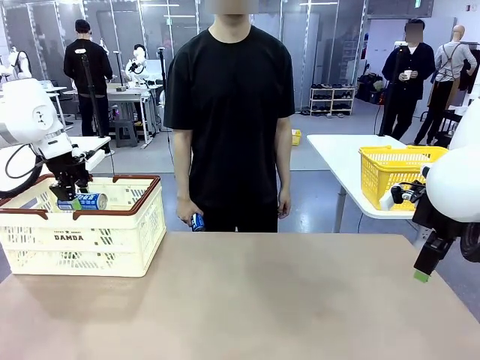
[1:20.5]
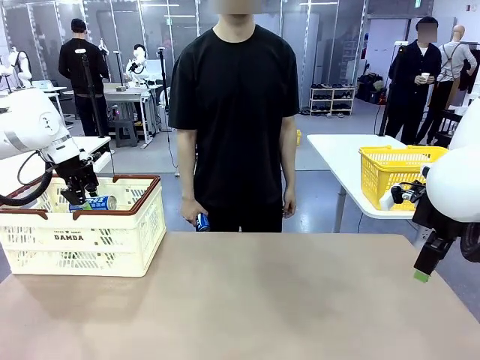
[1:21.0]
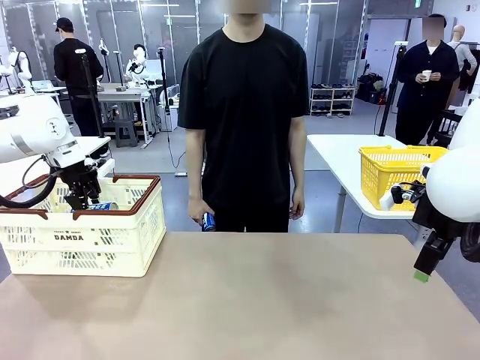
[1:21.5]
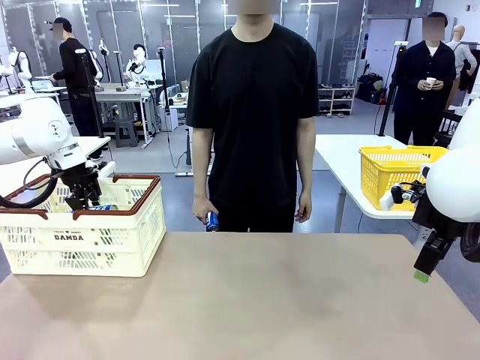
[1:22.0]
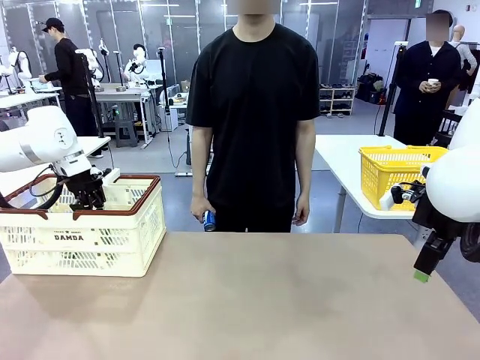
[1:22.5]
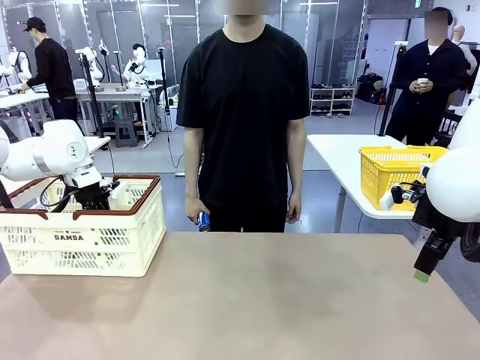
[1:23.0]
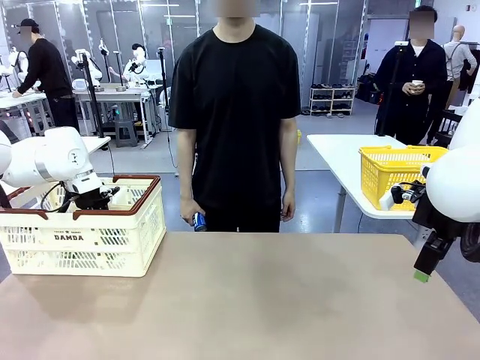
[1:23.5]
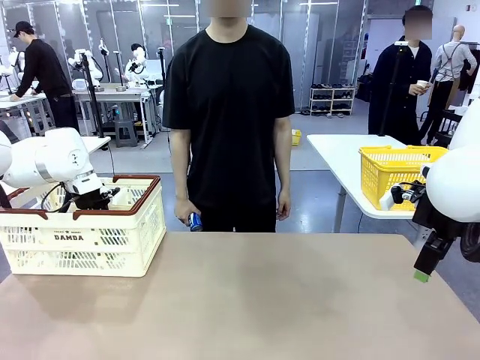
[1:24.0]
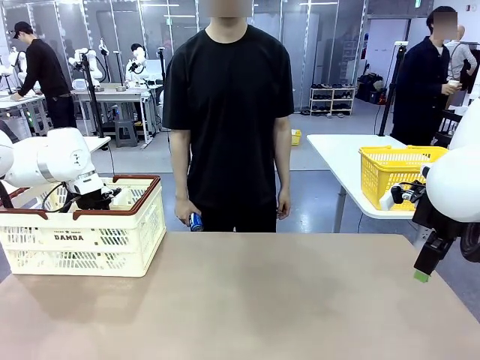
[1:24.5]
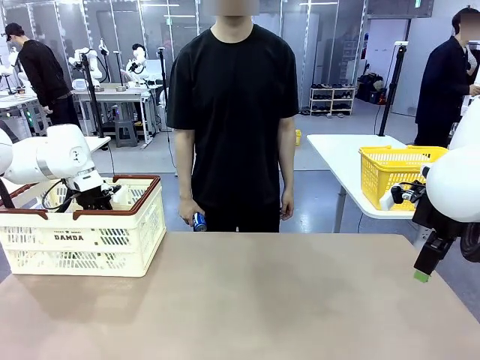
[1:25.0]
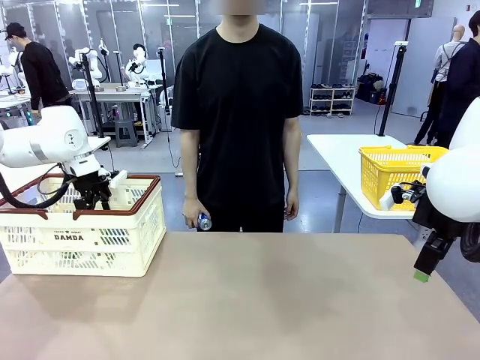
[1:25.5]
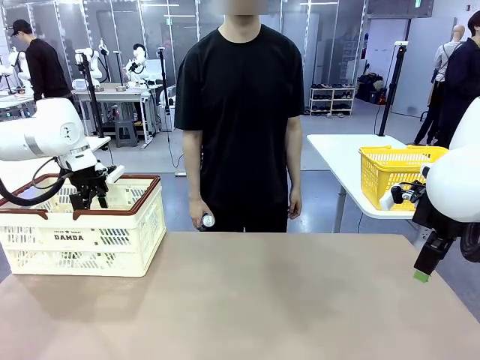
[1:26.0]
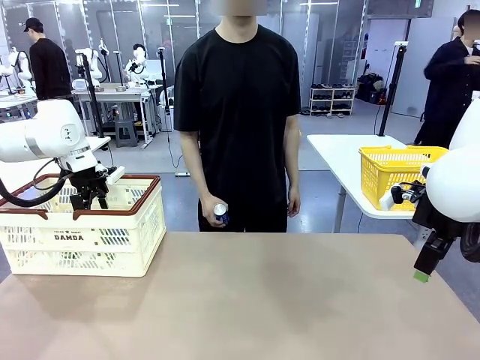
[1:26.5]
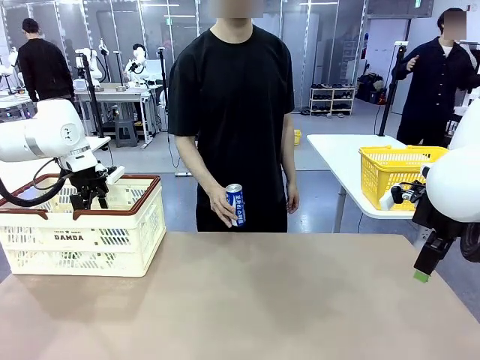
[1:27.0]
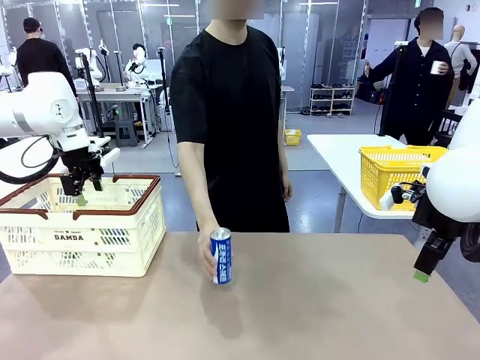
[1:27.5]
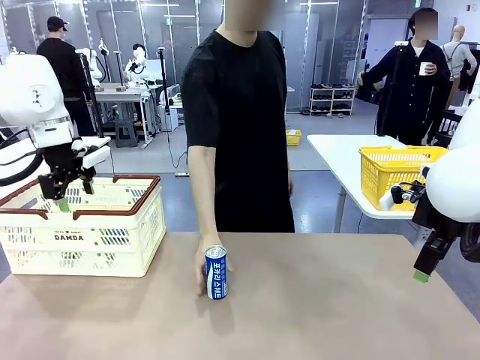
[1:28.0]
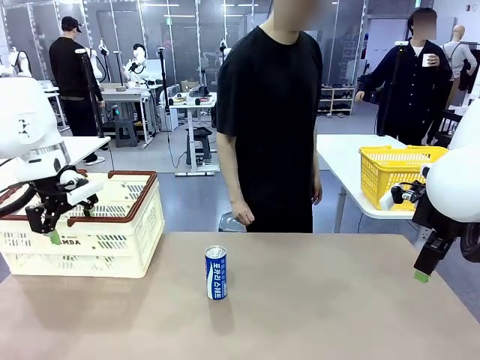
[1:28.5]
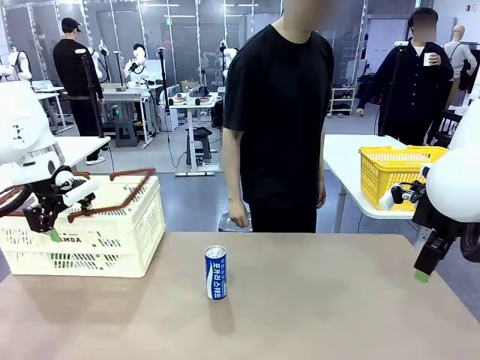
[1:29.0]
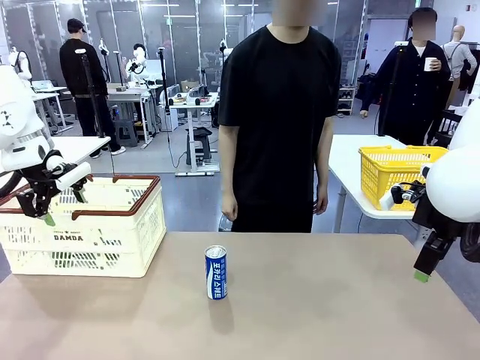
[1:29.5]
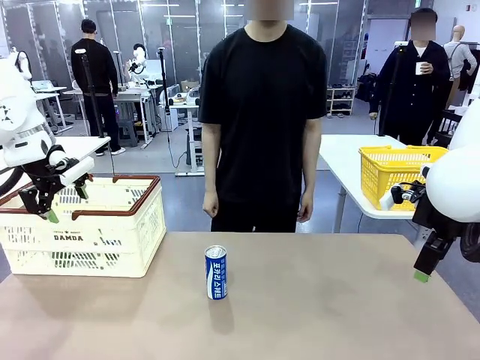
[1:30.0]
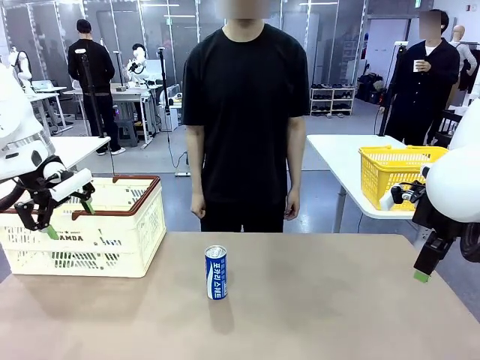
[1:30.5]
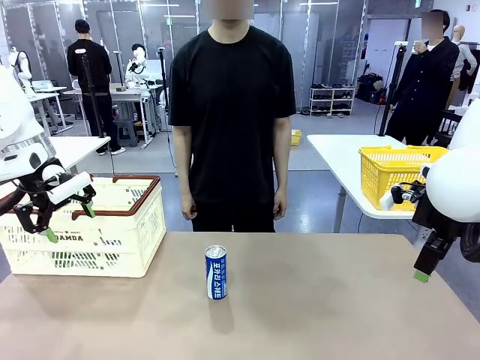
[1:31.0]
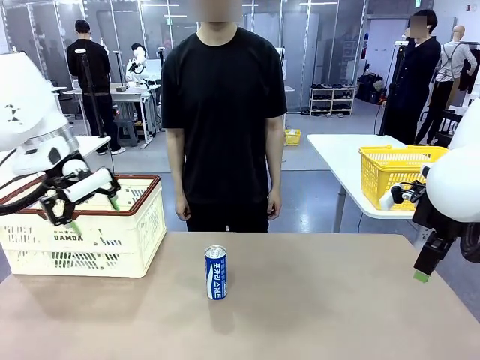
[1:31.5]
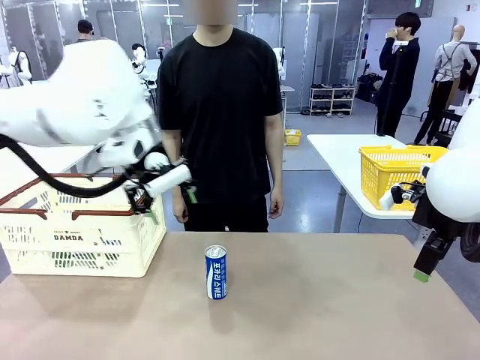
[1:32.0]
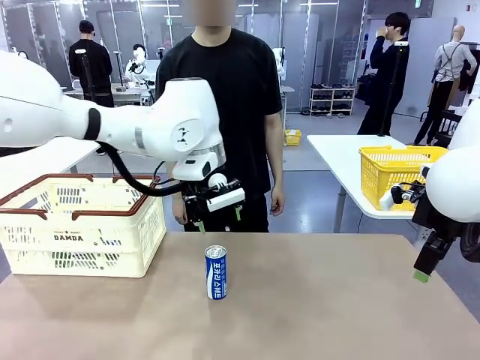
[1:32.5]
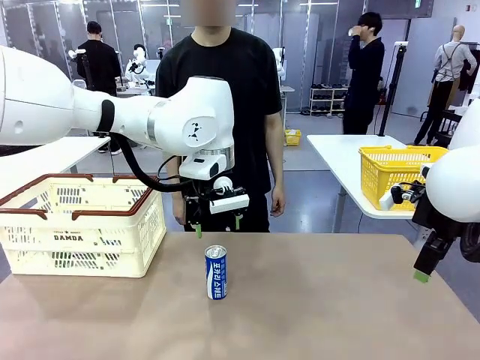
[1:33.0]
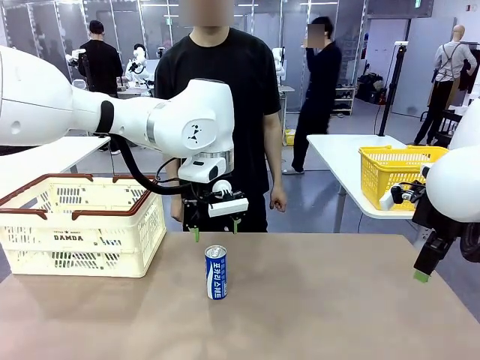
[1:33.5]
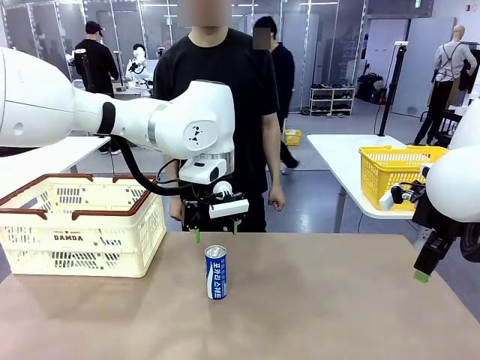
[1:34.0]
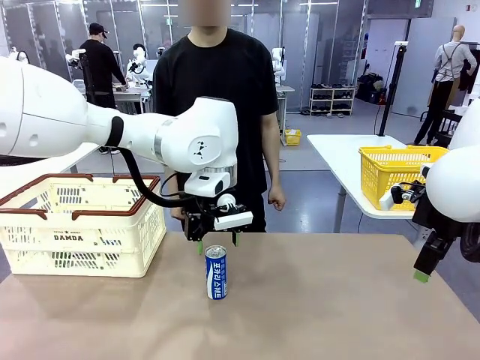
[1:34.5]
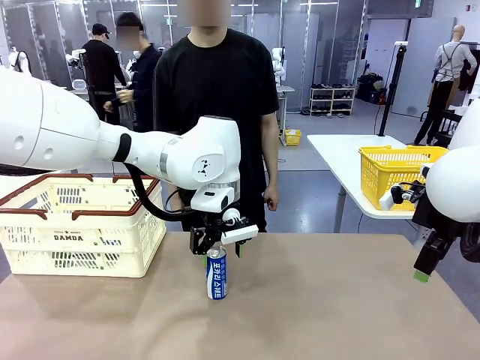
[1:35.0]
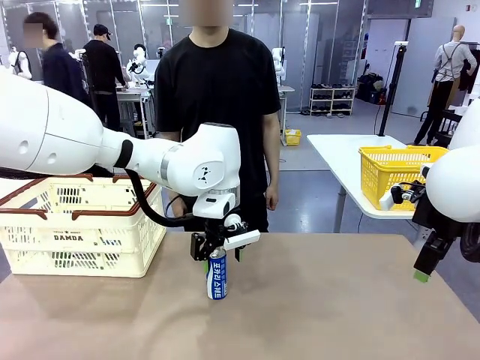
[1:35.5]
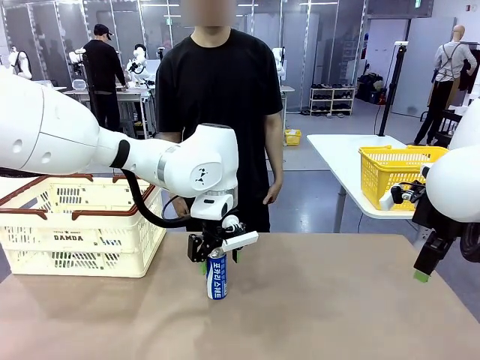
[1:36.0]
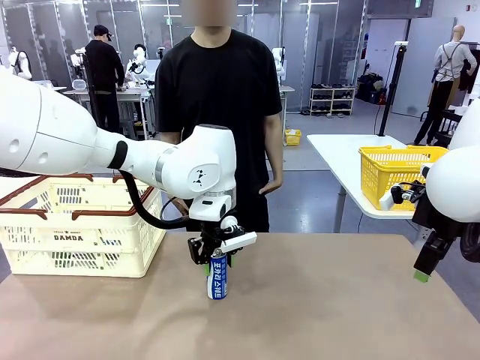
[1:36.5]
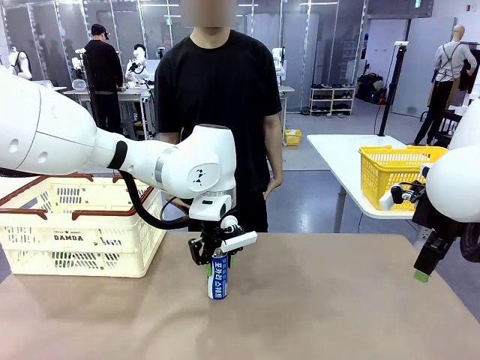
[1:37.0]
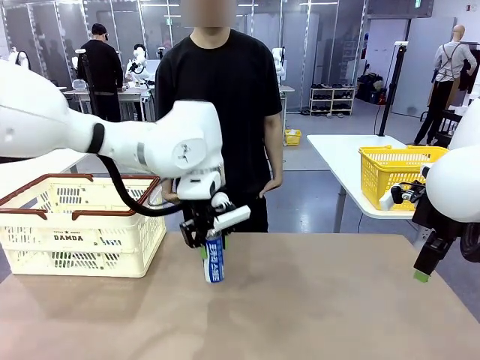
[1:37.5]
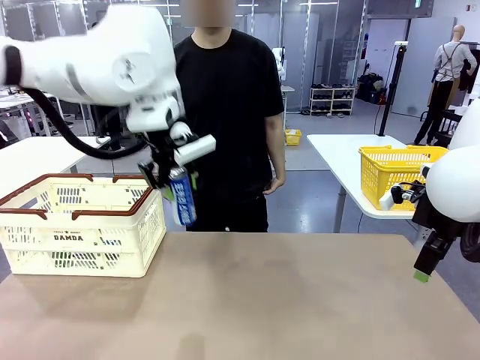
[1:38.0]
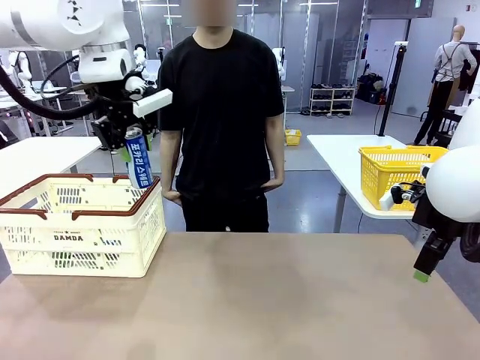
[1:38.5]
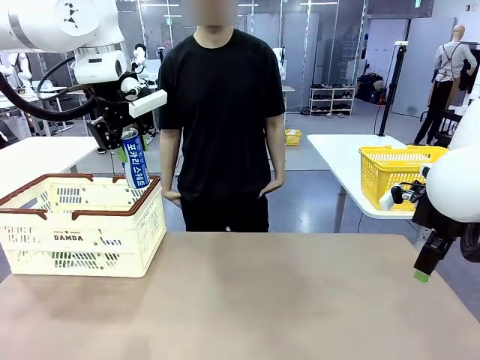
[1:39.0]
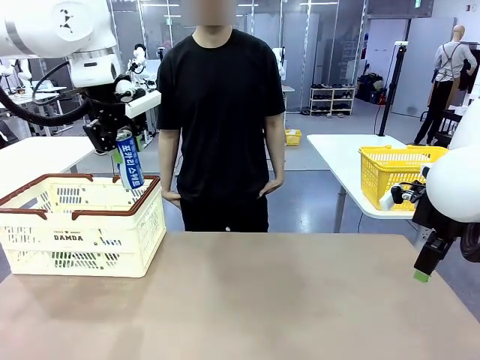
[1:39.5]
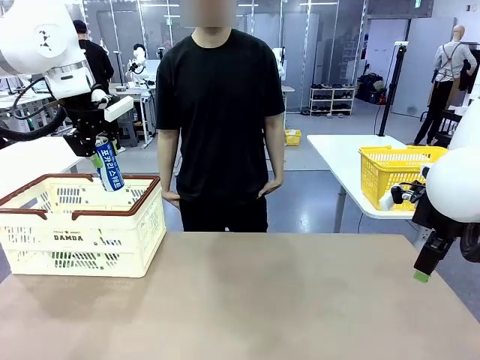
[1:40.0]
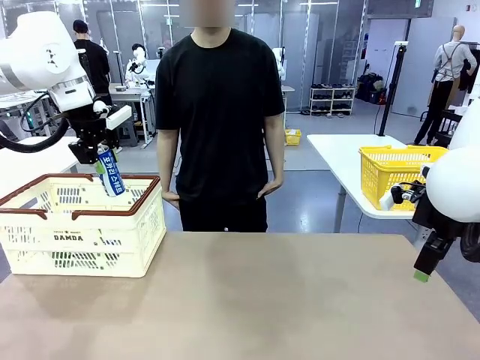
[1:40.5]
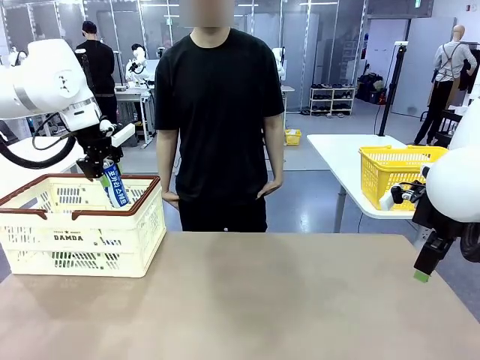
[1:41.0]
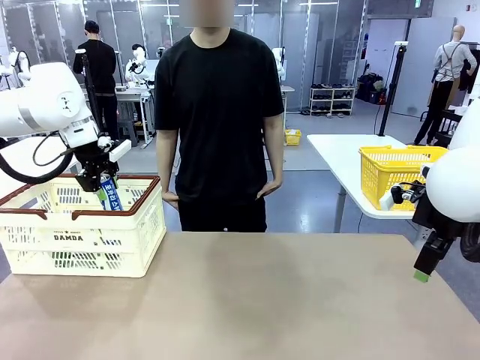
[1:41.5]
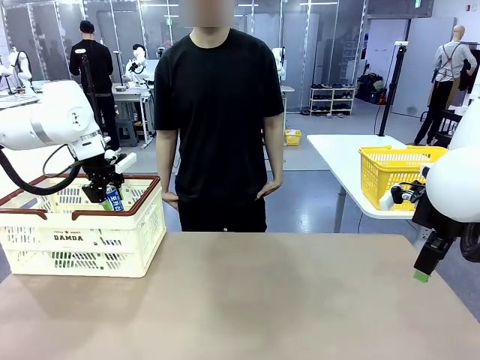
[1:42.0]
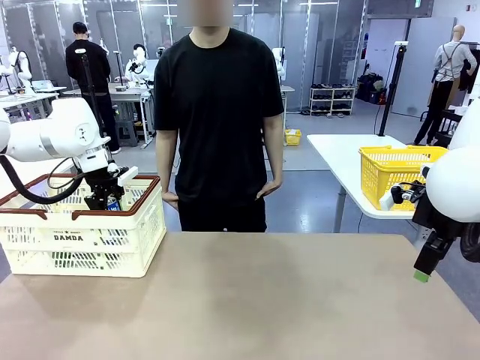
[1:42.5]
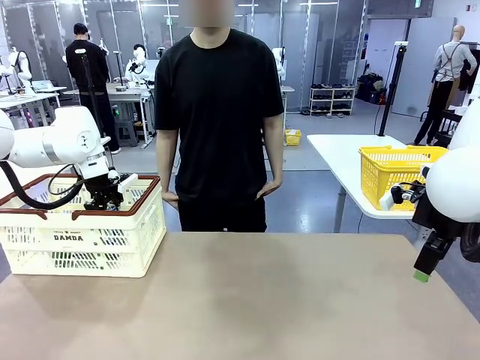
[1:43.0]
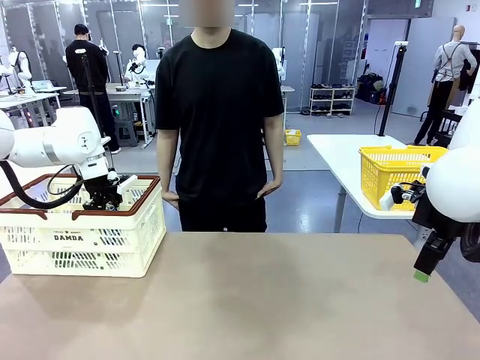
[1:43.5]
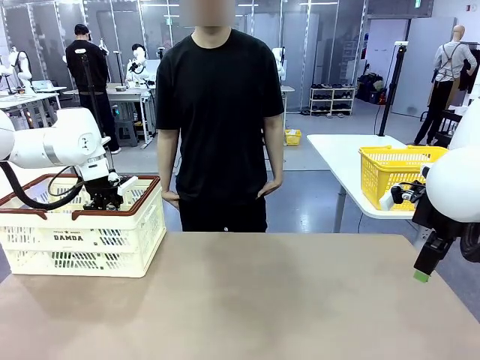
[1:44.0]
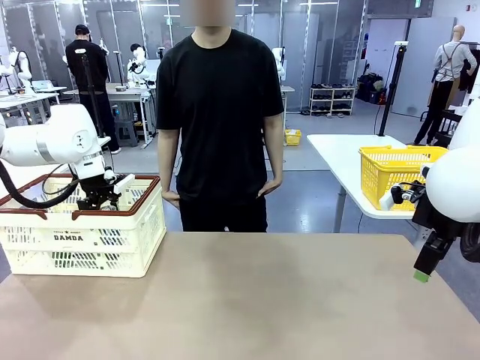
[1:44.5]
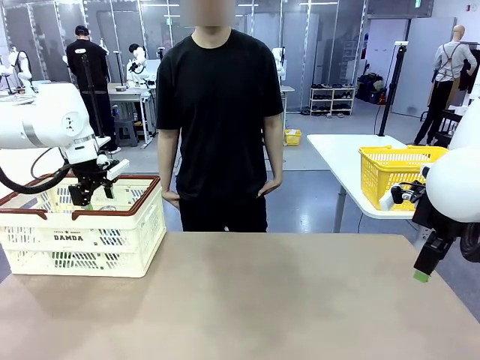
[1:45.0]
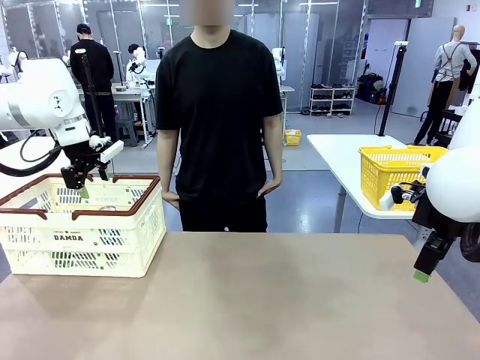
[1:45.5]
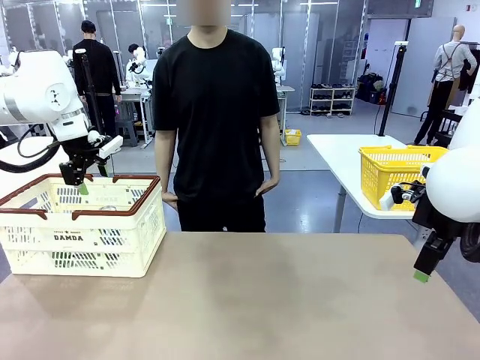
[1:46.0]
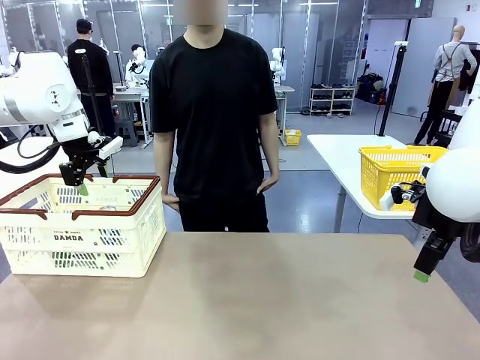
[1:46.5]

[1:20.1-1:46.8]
Task: Place the drinks into the Shopping basket.
Robot: Pick up one drink and place it into the Shopping basket.
